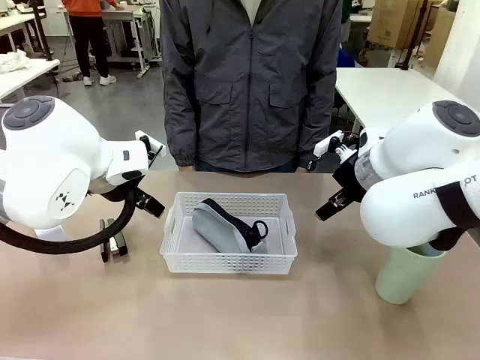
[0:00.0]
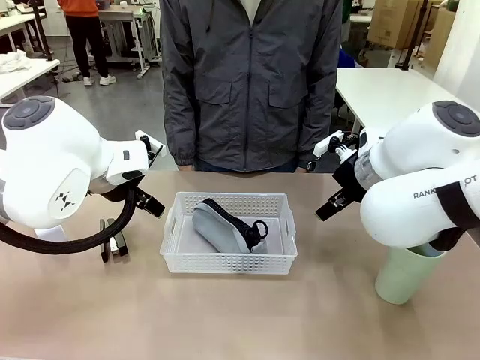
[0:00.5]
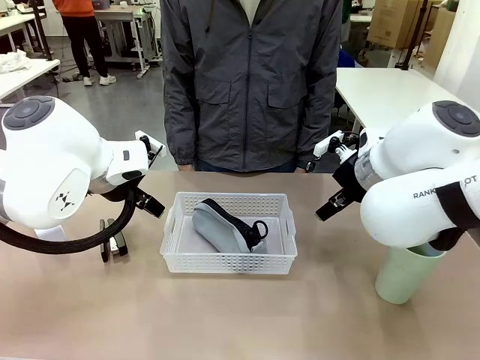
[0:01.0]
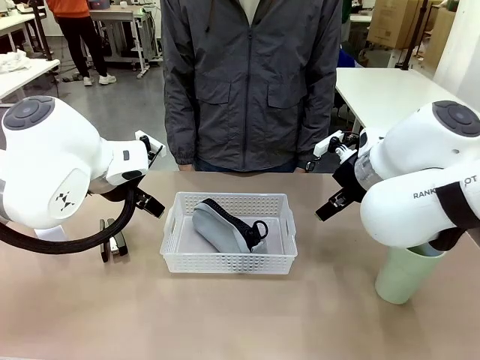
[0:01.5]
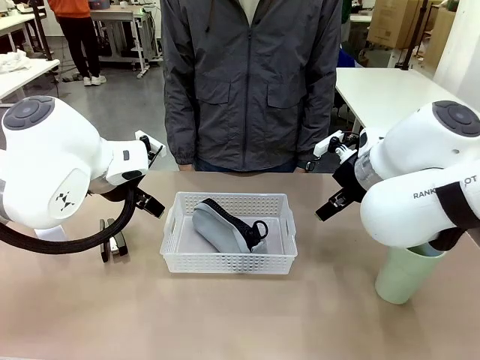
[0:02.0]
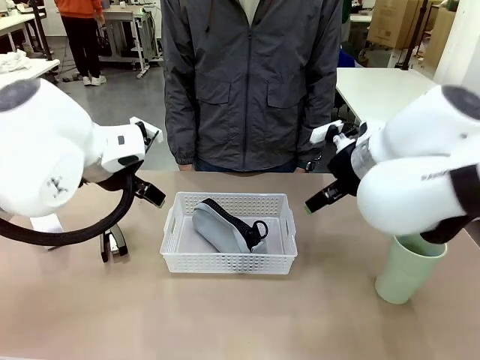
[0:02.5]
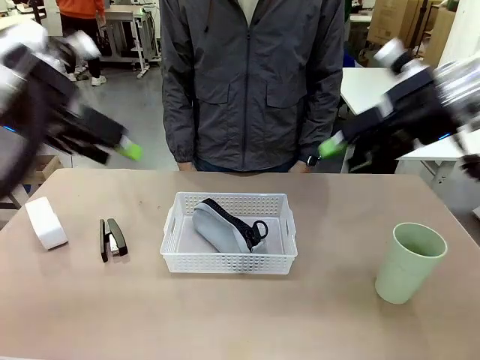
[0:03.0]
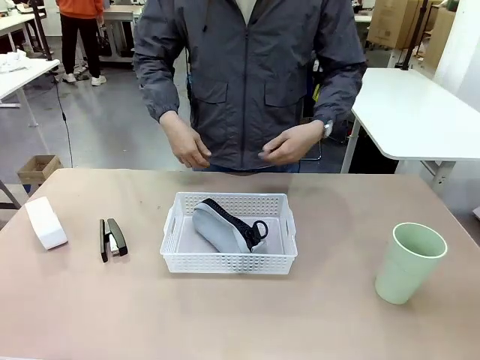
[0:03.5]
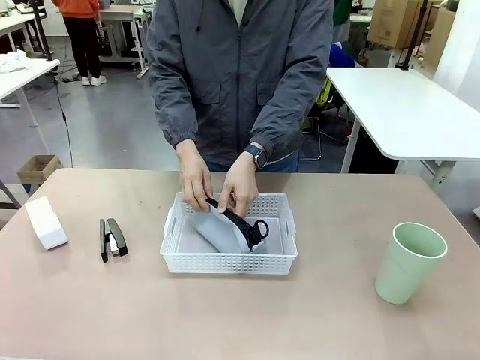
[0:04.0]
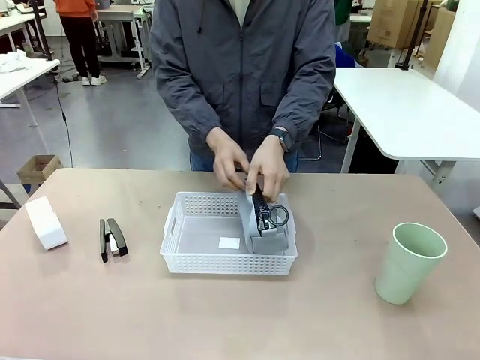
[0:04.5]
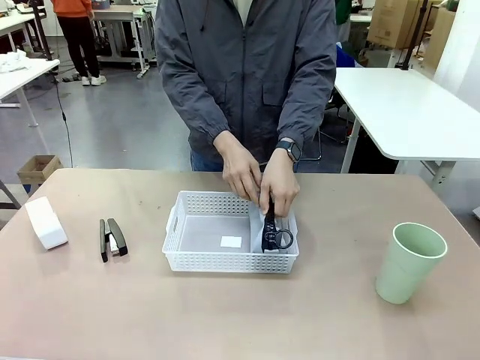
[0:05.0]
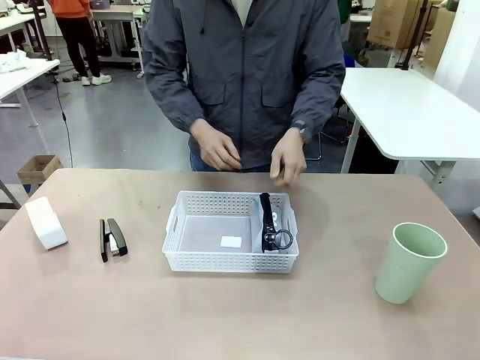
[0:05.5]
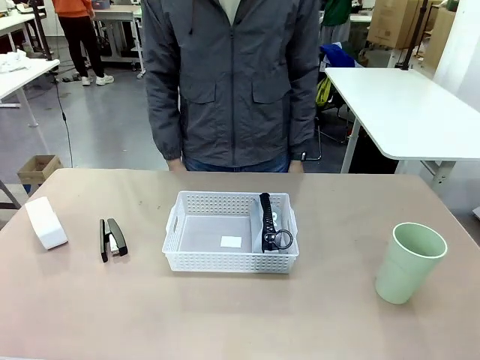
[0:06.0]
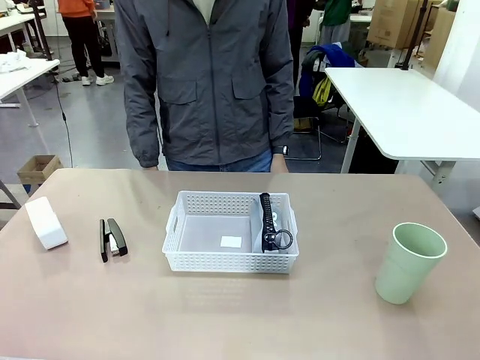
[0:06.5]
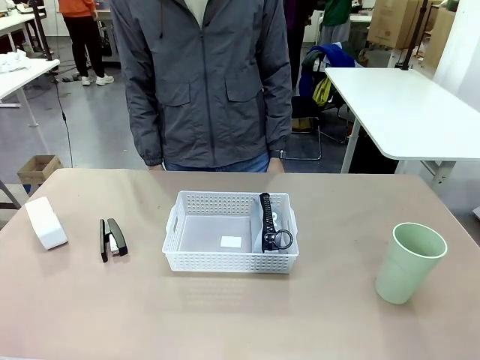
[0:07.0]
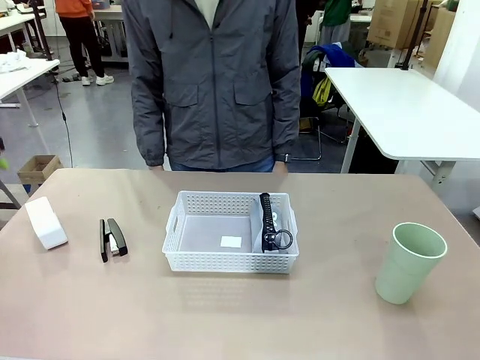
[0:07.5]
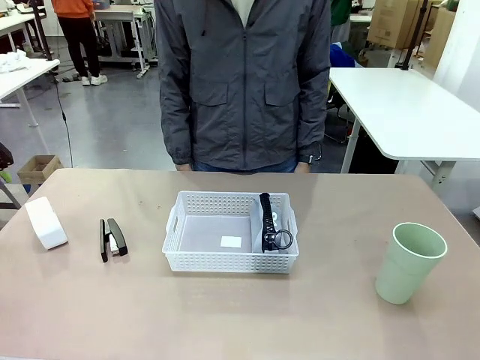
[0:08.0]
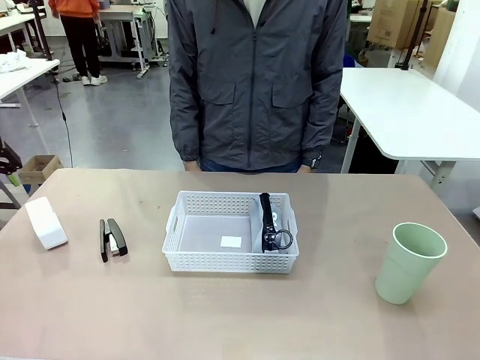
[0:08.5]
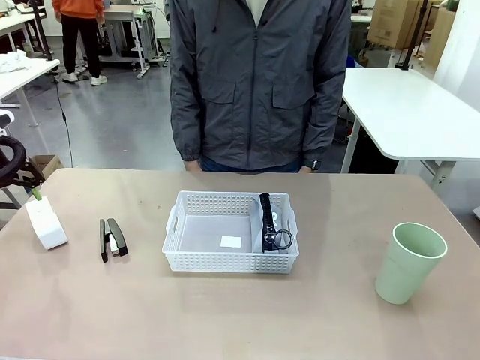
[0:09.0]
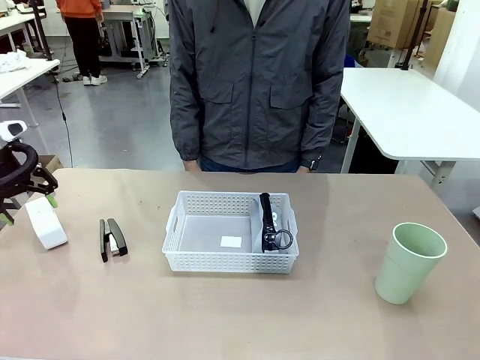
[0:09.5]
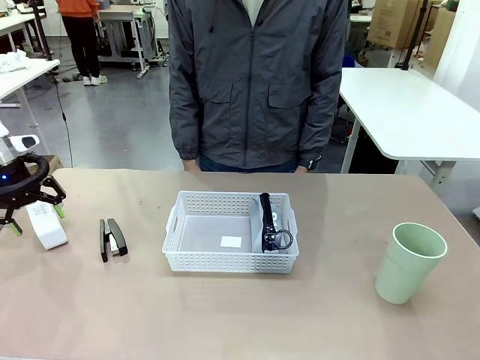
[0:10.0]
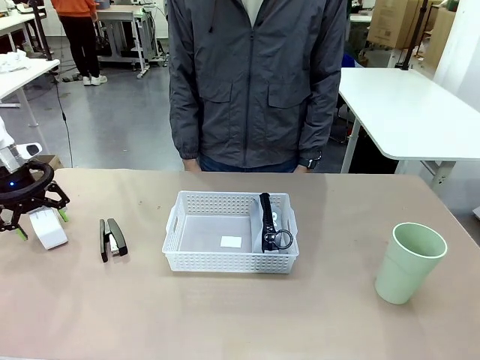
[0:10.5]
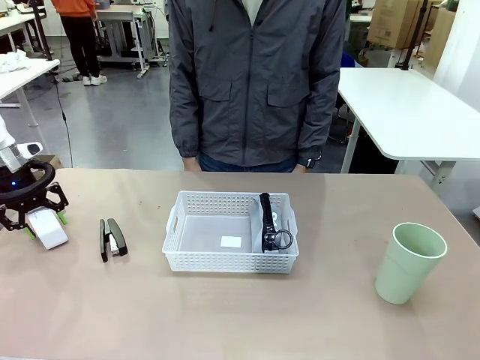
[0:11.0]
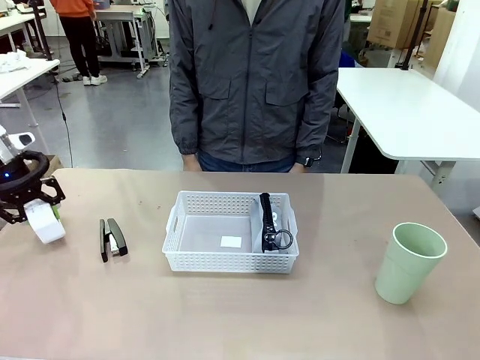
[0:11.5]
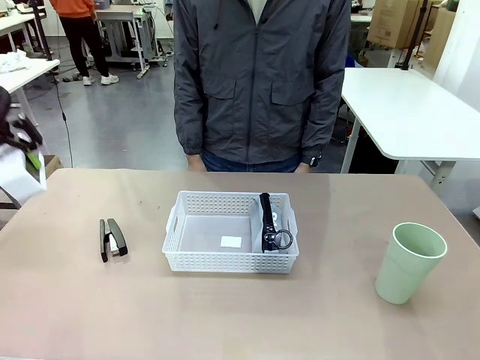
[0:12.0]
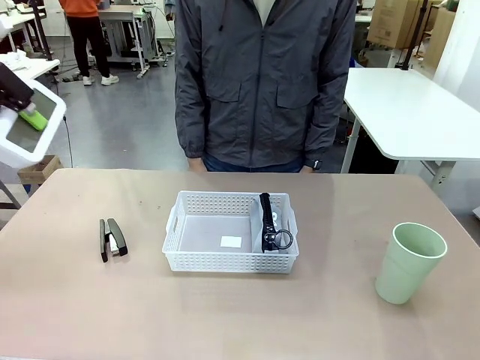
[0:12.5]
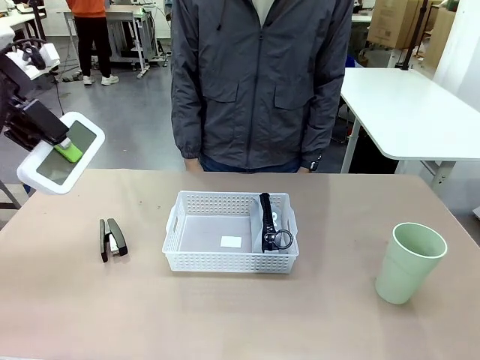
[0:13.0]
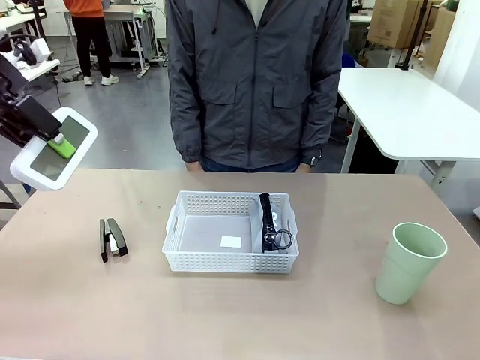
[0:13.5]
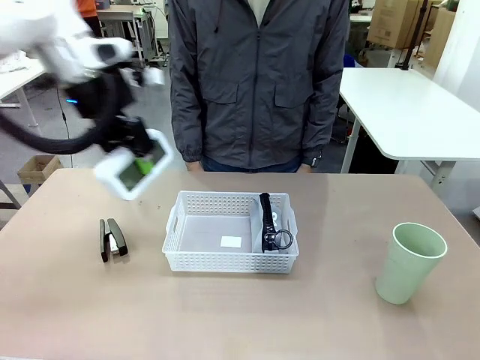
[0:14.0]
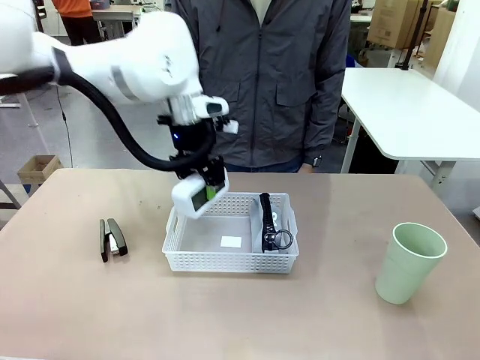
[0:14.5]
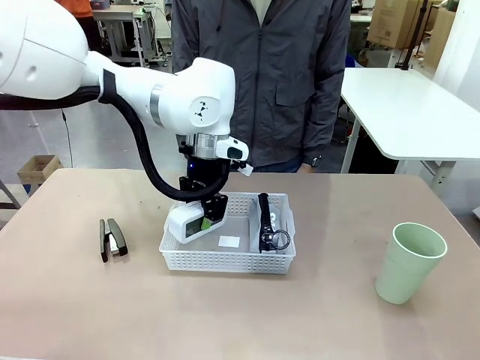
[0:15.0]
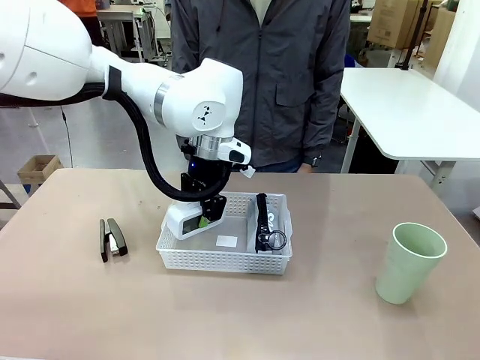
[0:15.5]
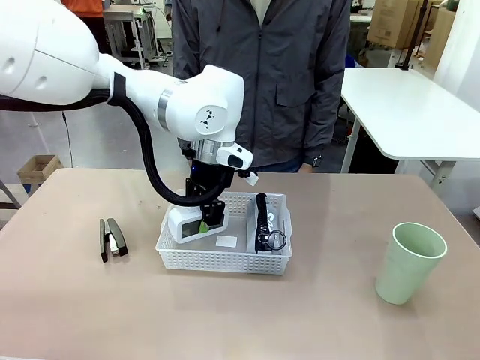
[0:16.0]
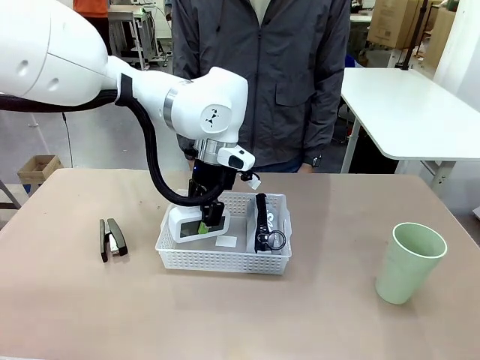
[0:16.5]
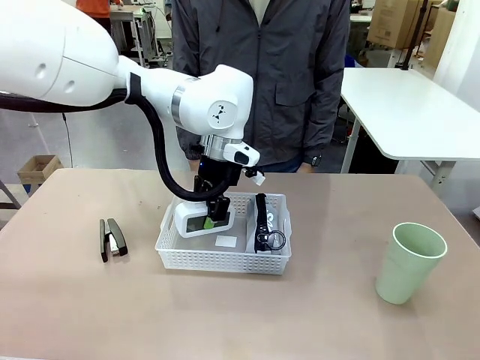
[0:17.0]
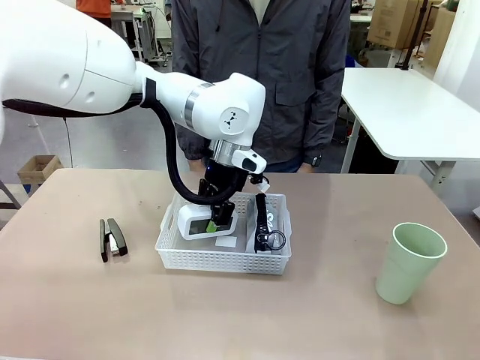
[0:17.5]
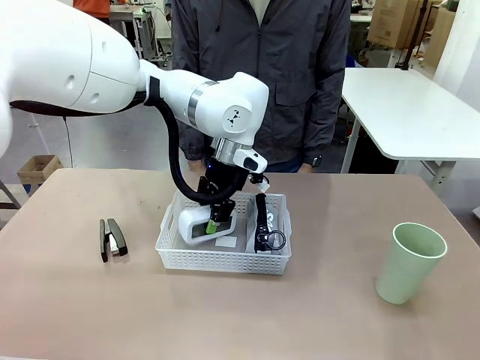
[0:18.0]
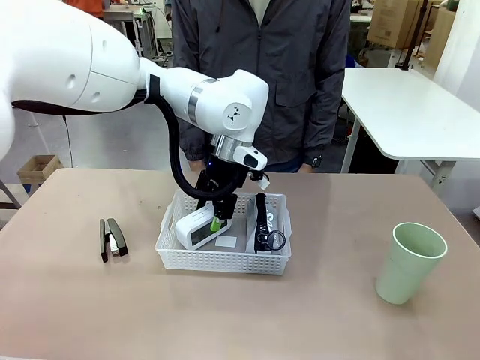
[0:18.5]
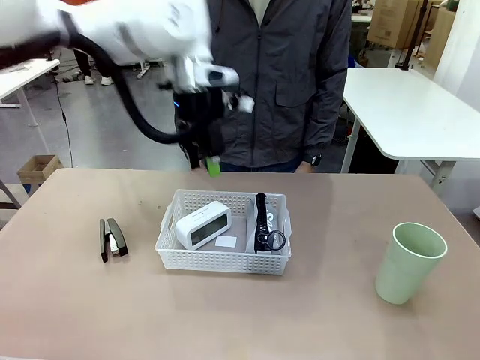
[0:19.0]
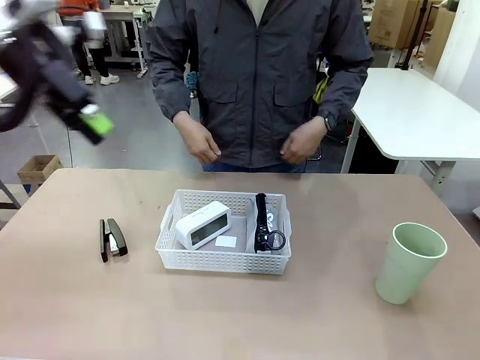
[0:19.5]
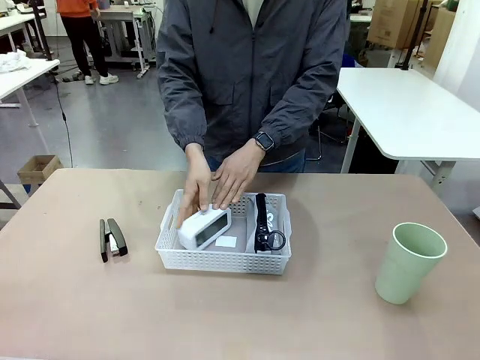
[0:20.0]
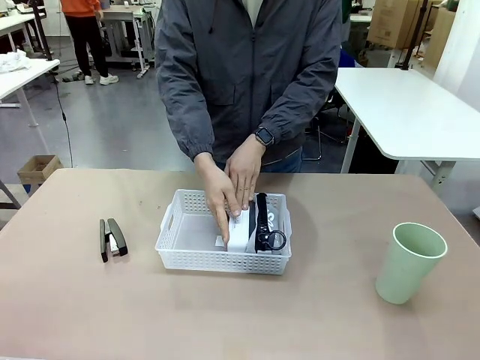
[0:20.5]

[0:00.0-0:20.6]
Task: Efficiently arrange items inside the basket to fit them all.
Robot: Pick up the Digital clock and place it inside the Organizing basket.
Person: Repositions the pencil case. Repositions the digital clock.
